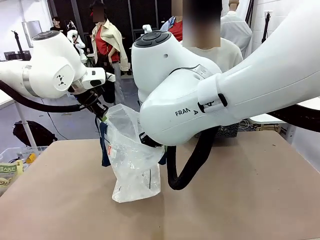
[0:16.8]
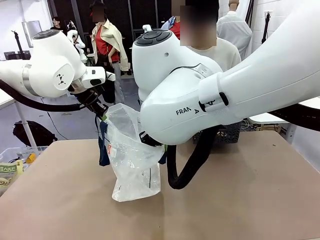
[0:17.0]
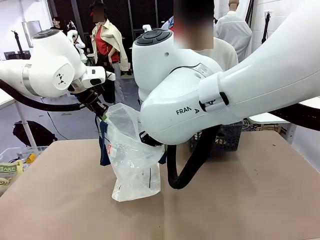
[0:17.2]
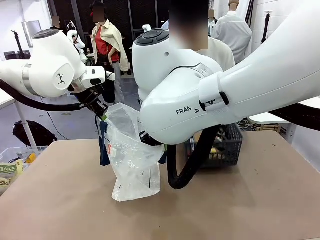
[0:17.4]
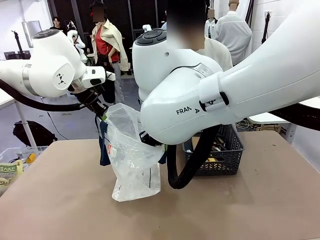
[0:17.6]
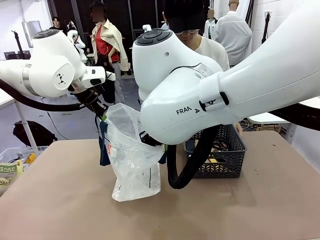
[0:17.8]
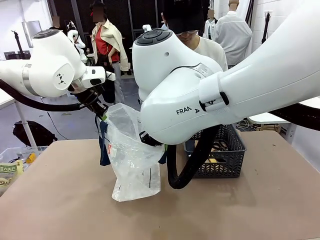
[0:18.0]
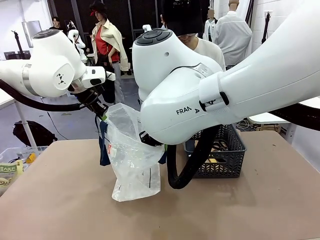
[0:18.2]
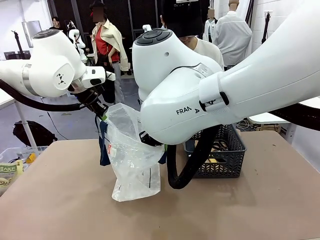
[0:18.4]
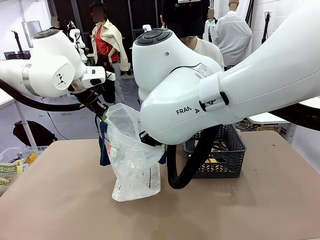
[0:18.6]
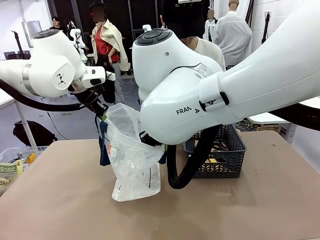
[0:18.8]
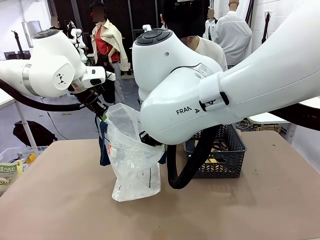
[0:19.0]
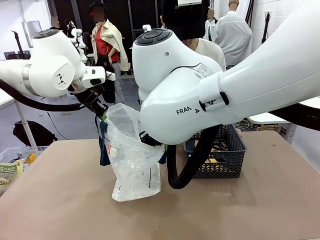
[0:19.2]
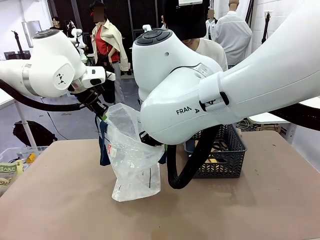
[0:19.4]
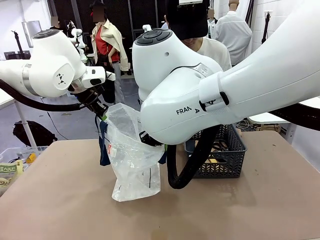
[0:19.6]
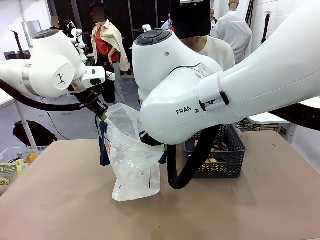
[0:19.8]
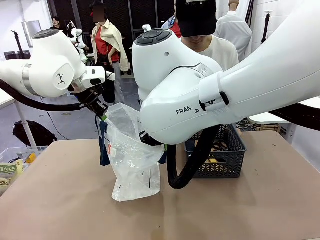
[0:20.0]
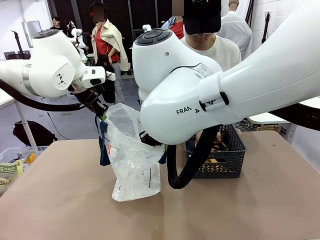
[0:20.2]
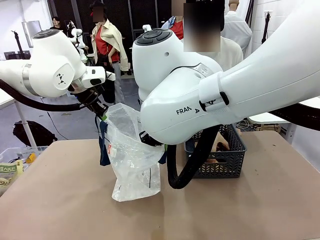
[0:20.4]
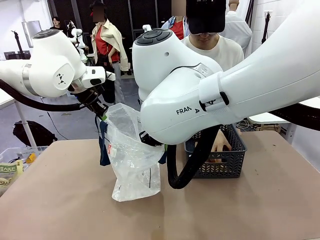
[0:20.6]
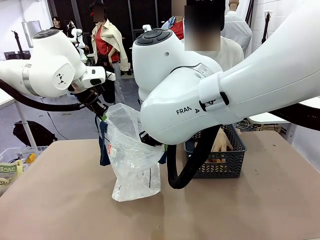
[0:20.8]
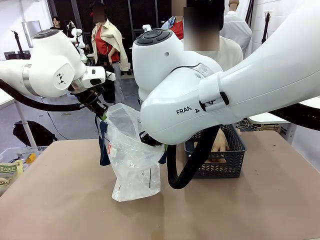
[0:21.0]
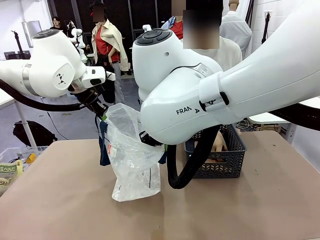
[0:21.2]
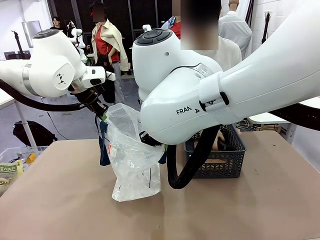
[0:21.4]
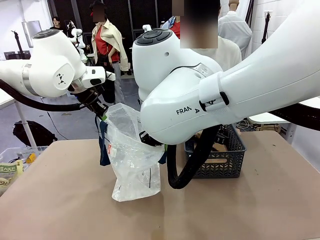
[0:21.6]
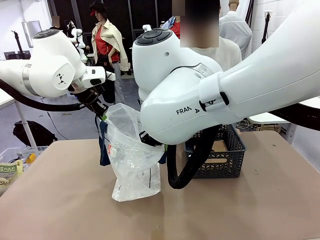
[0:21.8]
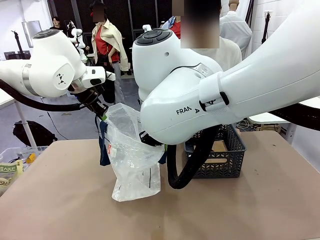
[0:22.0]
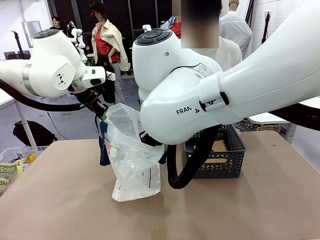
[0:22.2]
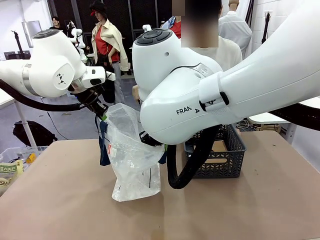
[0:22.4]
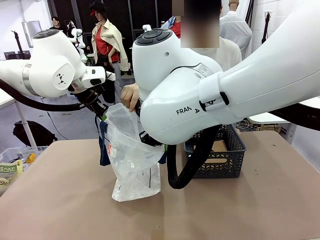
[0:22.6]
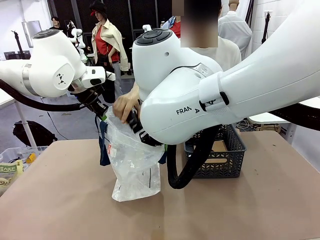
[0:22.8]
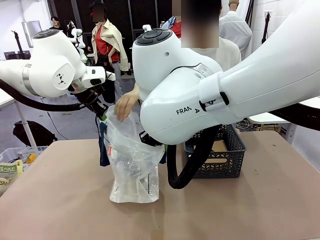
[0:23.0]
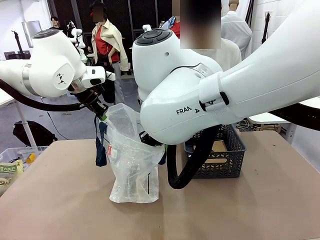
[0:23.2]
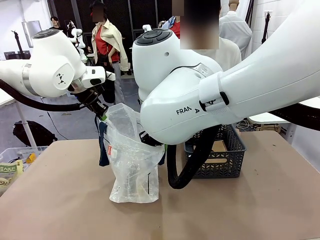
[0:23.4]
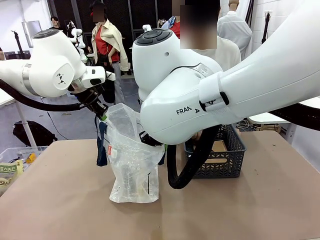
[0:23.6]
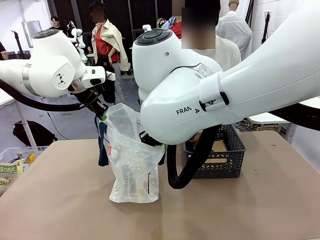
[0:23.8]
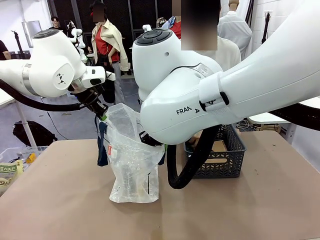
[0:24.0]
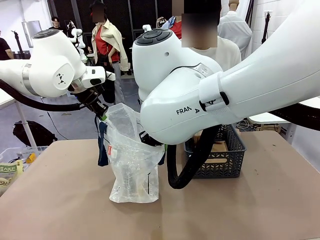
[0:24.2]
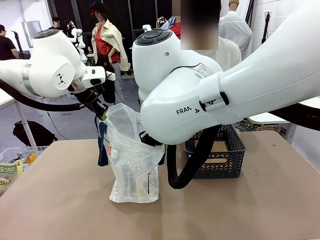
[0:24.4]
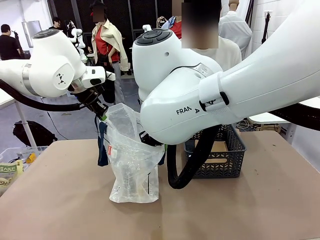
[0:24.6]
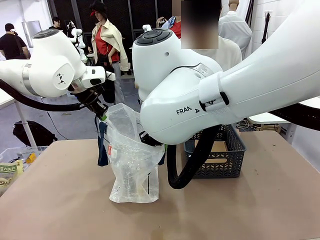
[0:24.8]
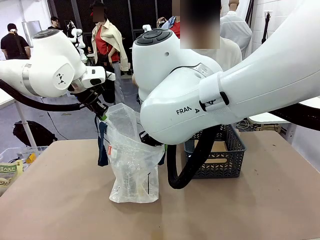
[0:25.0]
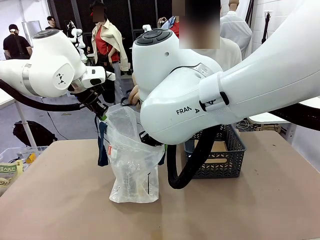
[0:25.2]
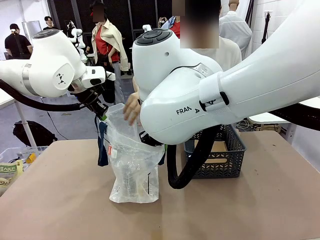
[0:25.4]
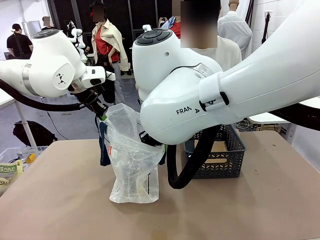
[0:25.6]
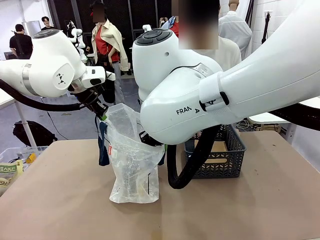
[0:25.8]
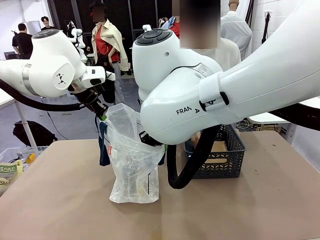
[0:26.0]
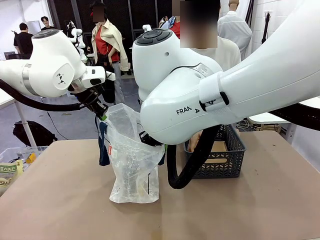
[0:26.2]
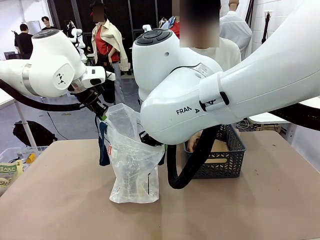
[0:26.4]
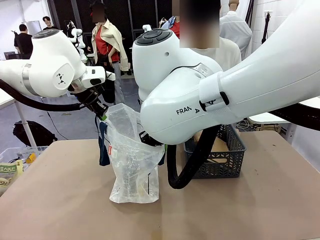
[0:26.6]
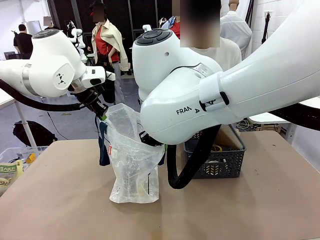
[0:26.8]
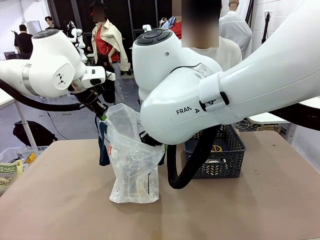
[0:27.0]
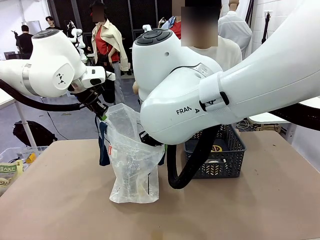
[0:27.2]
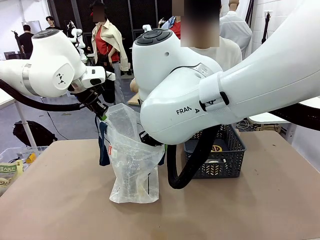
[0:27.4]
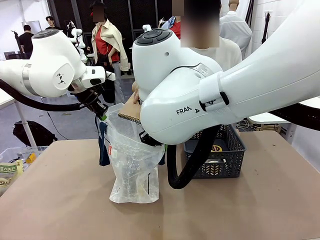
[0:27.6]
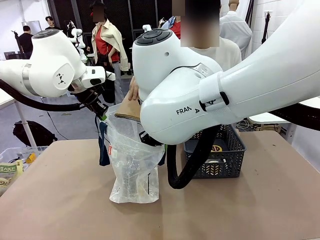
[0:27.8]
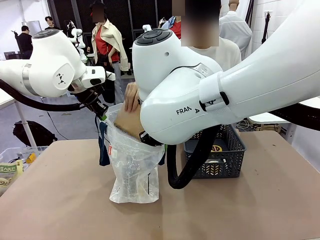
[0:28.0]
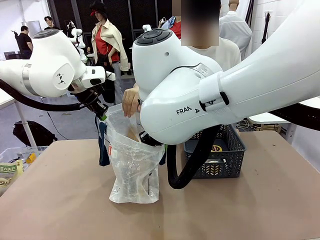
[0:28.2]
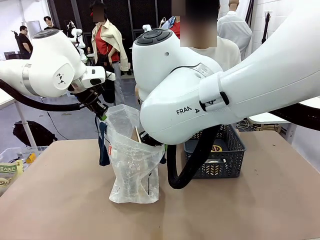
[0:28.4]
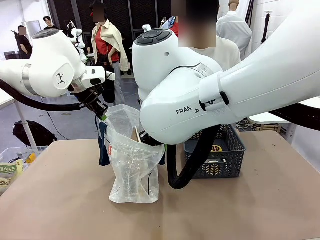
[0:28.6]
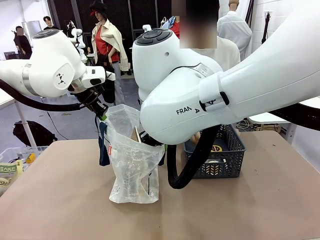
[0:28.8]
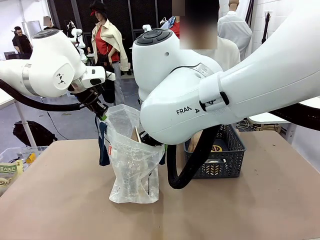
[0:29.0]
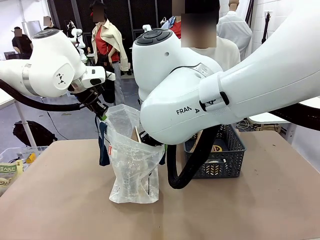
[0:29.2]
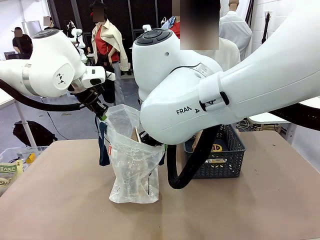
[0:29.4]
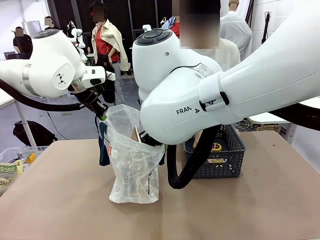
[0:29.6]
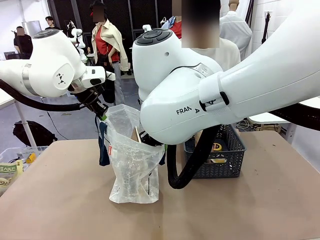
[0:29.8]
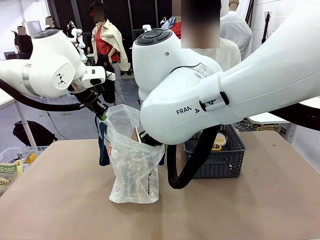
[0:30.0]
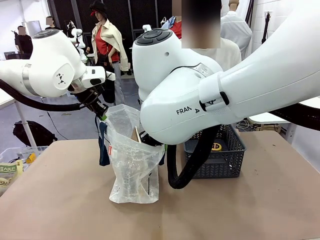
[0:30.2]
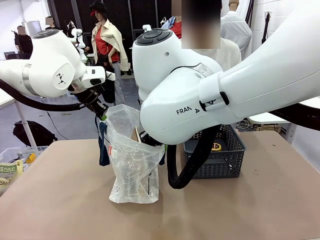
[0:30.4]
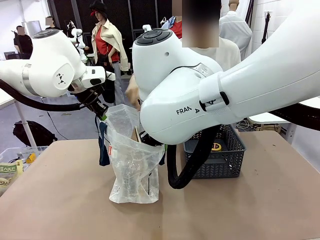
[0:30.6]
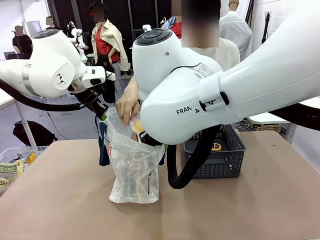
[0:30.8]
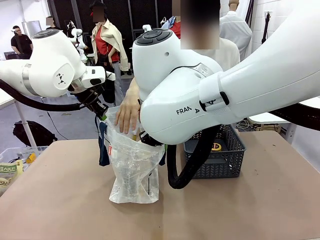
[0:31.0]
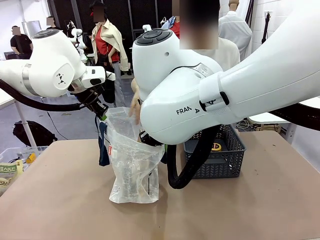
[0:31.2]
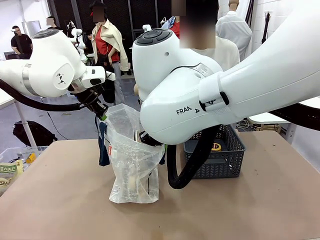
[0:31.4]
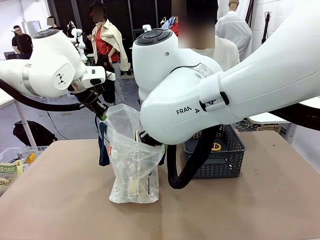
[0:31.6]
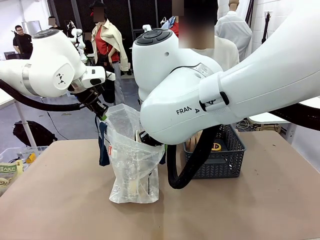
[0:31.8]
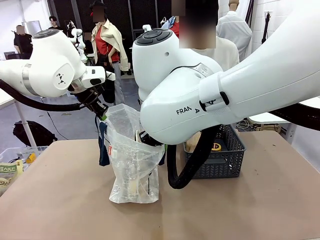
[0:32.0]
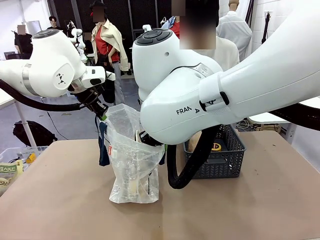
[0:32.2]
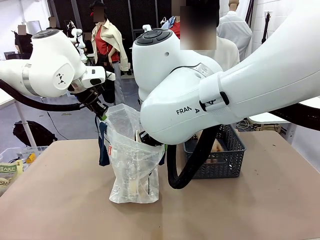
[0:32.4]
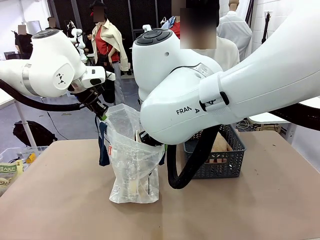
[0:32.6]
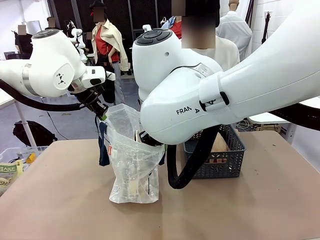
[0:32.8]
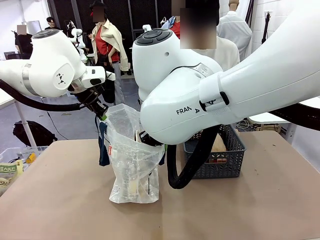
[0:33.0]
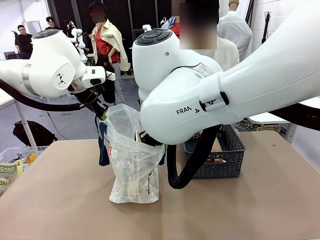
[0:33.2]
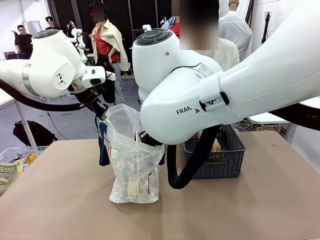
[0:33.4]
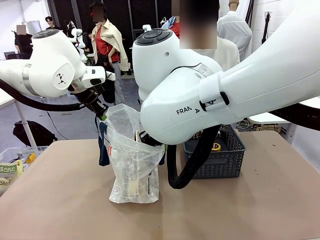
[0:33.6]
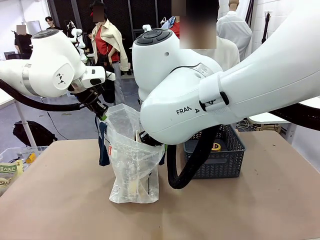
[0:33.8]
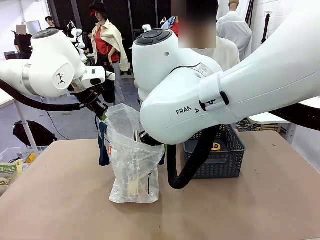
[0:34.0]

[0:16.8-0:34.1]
Task: Transfer purchased items from the store into the shopping bag.
Robot: Move the Reusable shopping bag to the right side of the table.
Person: Pick up the basket with the items out and place it on the right side of the human table.
